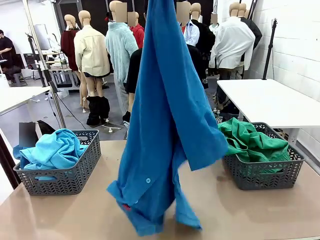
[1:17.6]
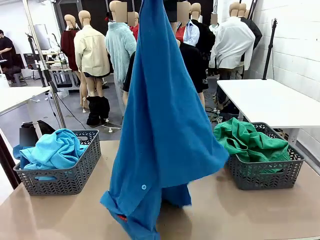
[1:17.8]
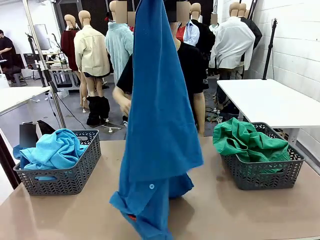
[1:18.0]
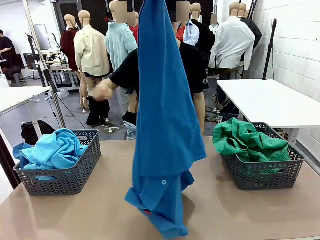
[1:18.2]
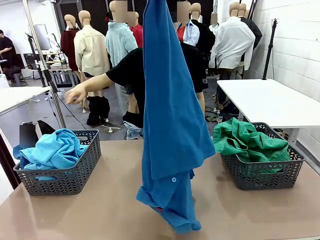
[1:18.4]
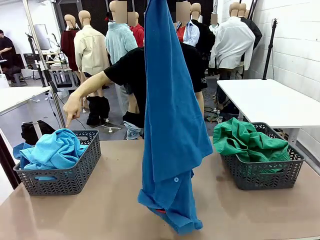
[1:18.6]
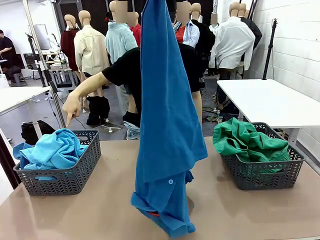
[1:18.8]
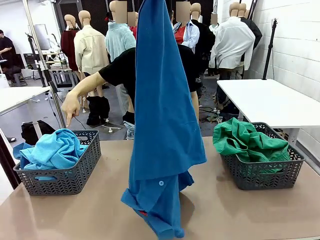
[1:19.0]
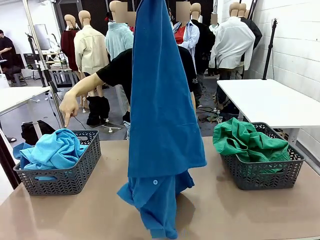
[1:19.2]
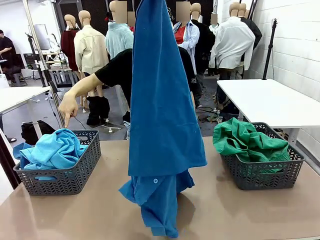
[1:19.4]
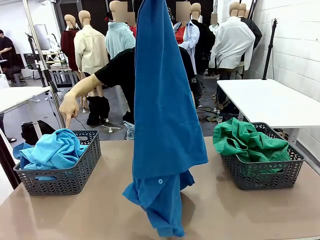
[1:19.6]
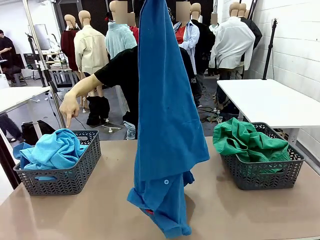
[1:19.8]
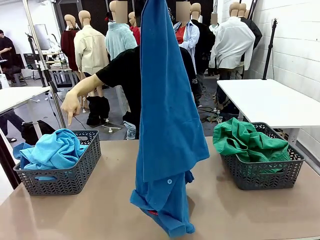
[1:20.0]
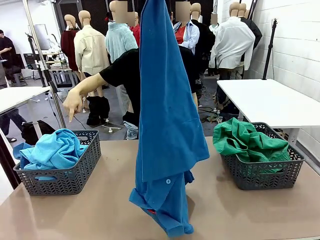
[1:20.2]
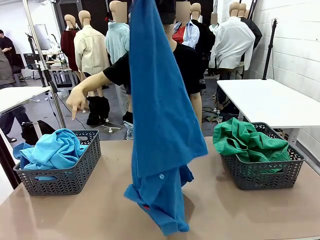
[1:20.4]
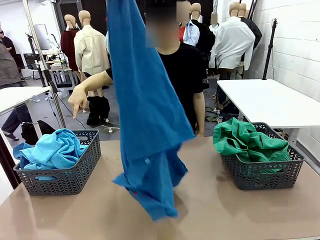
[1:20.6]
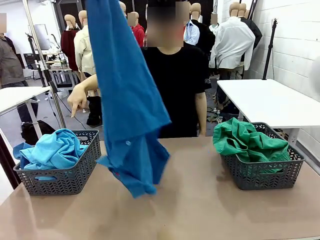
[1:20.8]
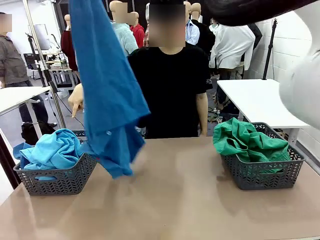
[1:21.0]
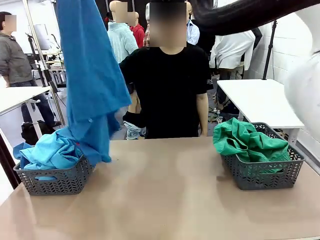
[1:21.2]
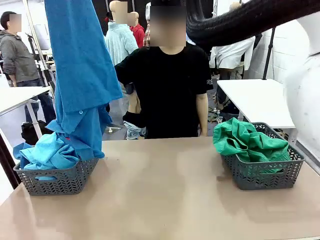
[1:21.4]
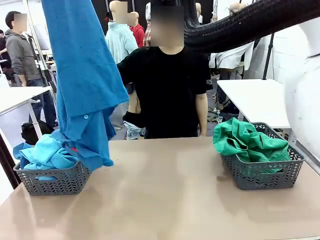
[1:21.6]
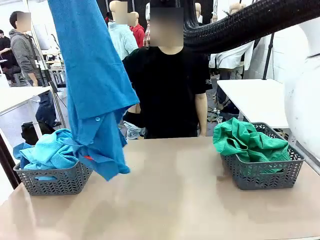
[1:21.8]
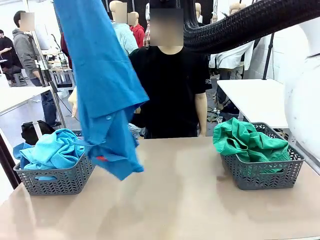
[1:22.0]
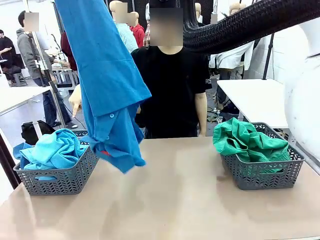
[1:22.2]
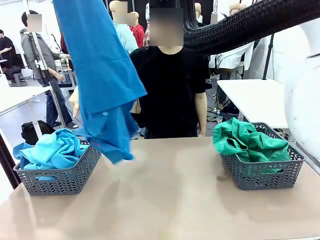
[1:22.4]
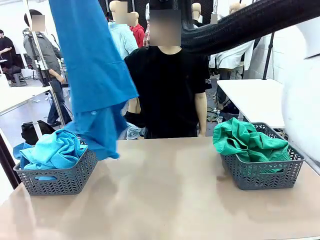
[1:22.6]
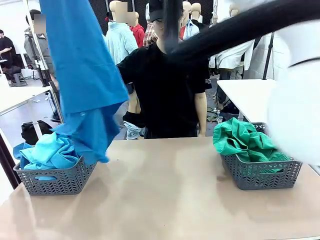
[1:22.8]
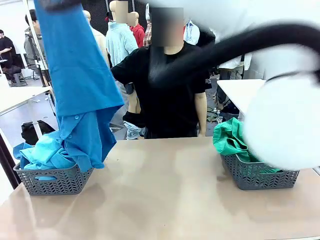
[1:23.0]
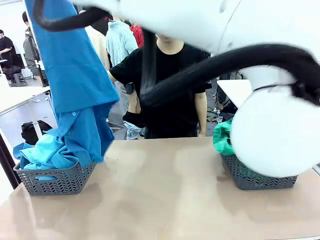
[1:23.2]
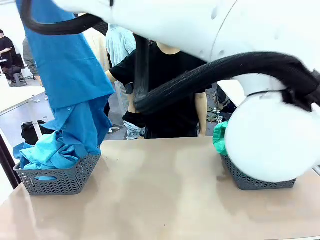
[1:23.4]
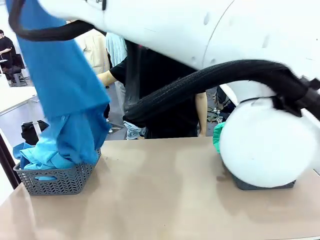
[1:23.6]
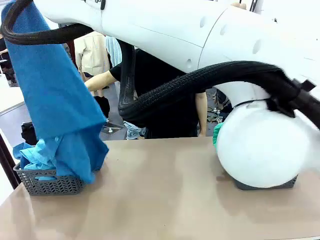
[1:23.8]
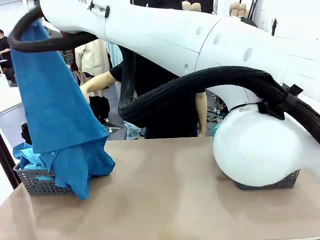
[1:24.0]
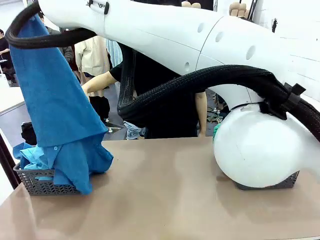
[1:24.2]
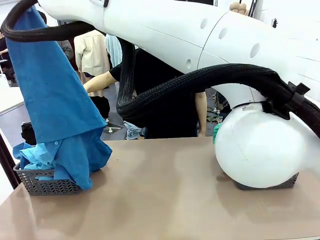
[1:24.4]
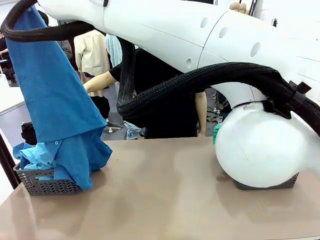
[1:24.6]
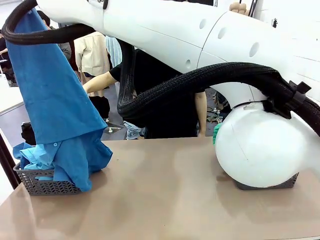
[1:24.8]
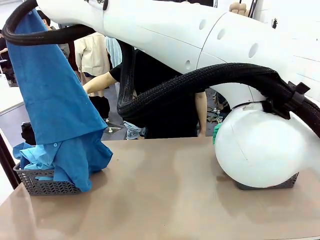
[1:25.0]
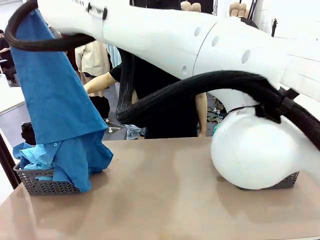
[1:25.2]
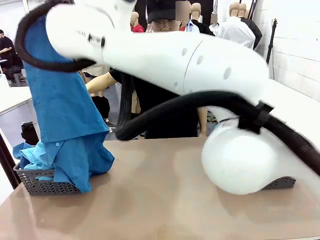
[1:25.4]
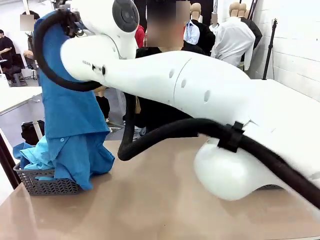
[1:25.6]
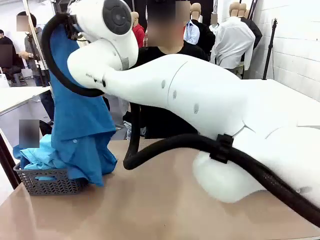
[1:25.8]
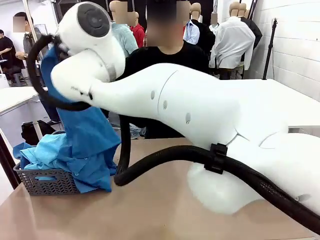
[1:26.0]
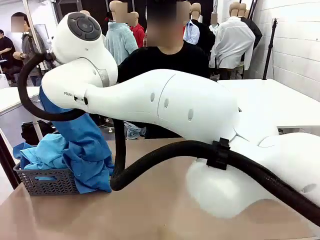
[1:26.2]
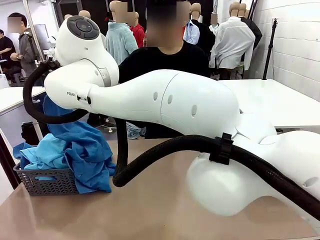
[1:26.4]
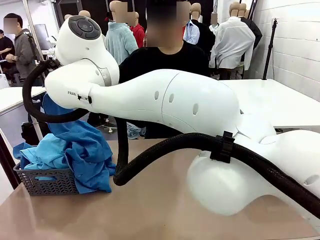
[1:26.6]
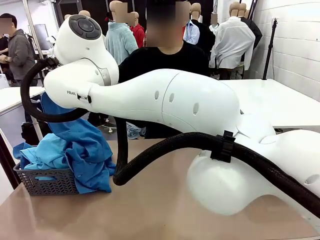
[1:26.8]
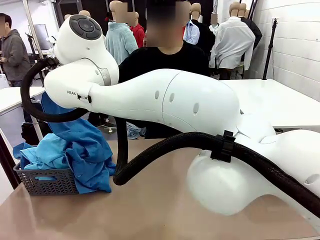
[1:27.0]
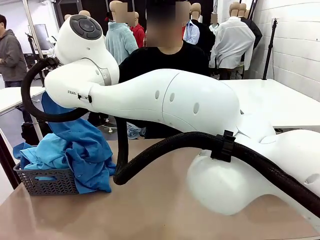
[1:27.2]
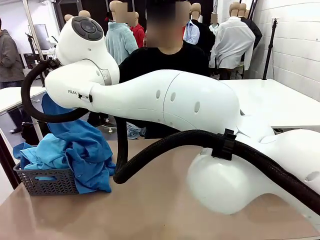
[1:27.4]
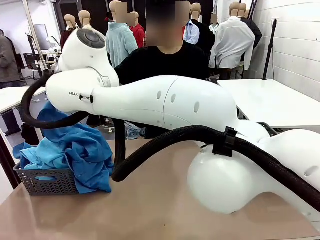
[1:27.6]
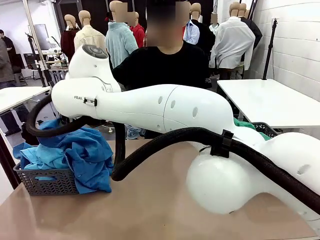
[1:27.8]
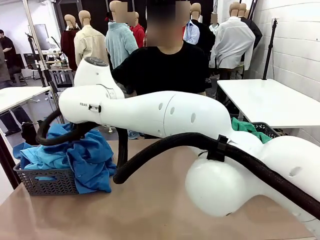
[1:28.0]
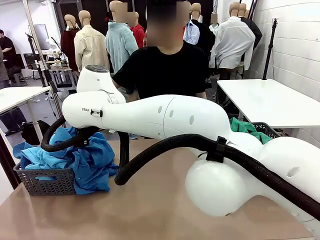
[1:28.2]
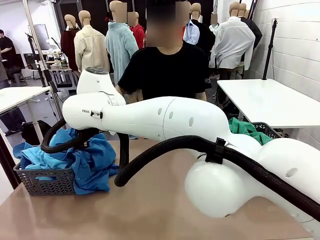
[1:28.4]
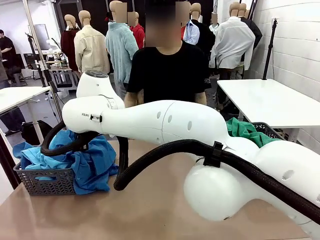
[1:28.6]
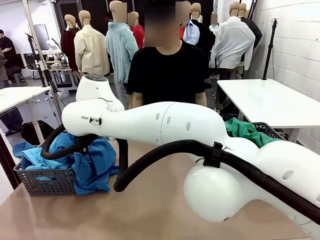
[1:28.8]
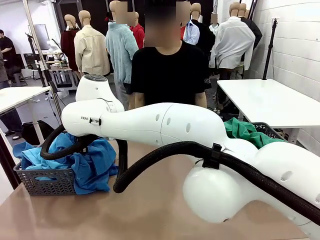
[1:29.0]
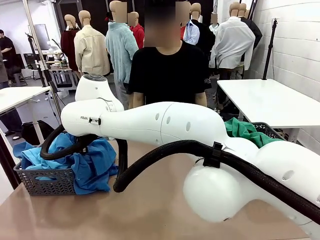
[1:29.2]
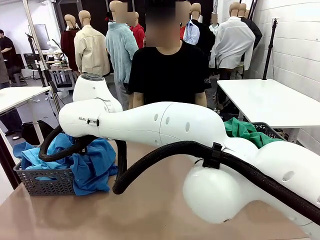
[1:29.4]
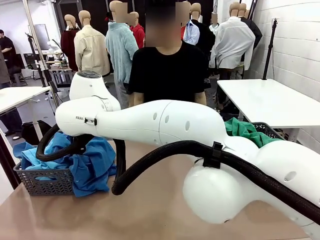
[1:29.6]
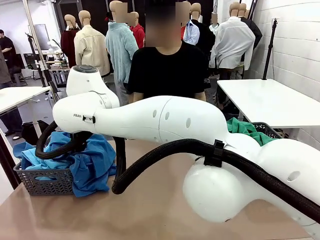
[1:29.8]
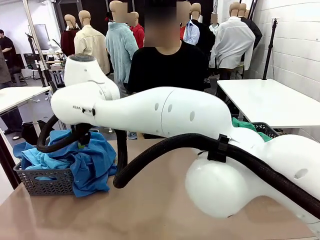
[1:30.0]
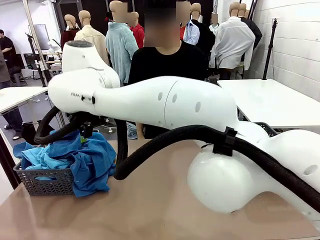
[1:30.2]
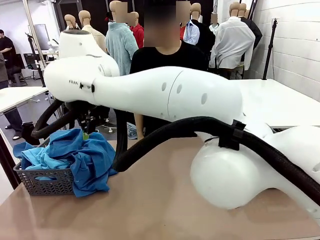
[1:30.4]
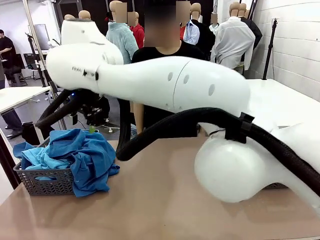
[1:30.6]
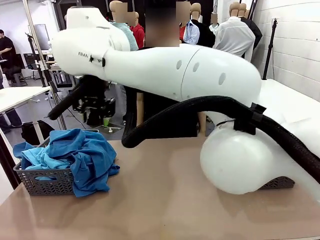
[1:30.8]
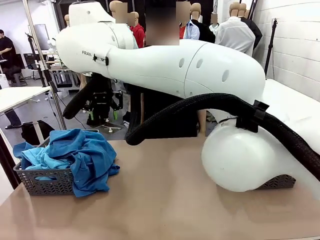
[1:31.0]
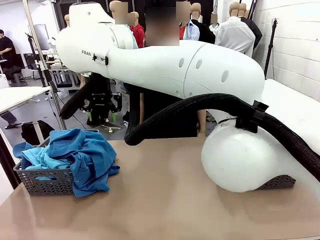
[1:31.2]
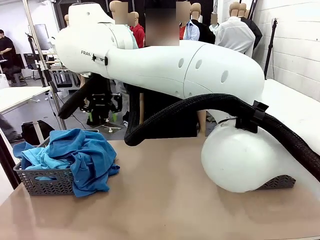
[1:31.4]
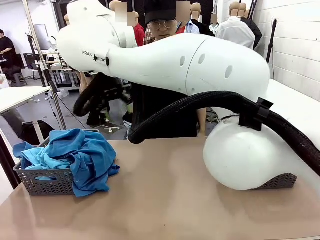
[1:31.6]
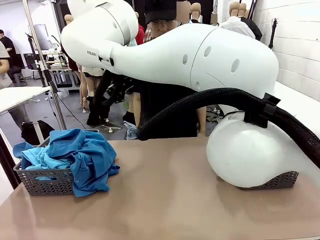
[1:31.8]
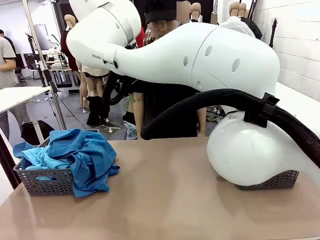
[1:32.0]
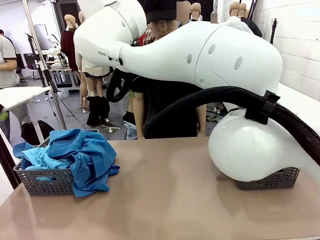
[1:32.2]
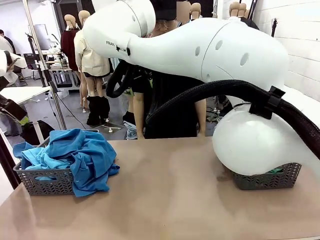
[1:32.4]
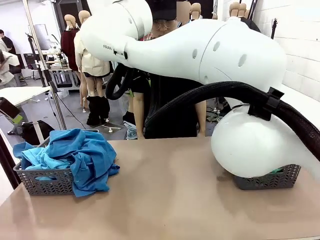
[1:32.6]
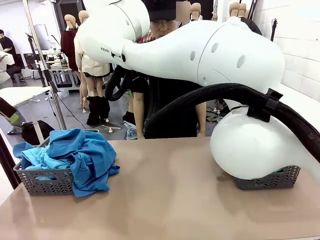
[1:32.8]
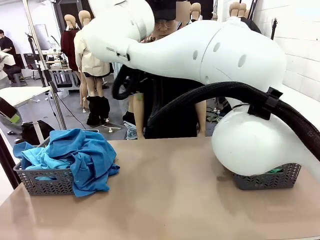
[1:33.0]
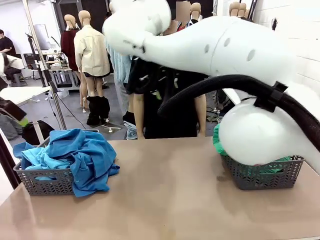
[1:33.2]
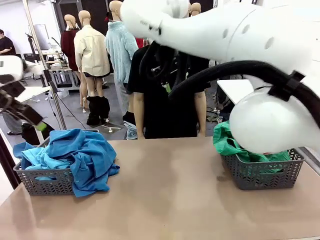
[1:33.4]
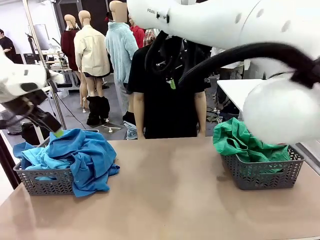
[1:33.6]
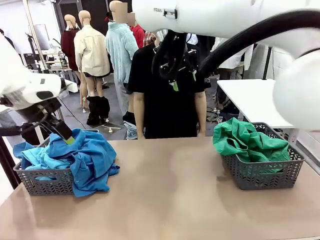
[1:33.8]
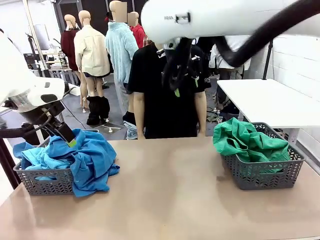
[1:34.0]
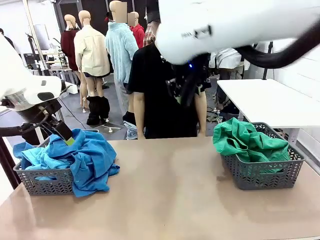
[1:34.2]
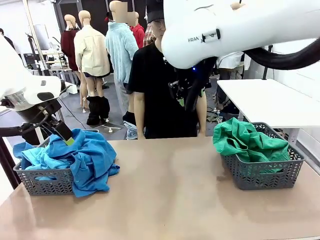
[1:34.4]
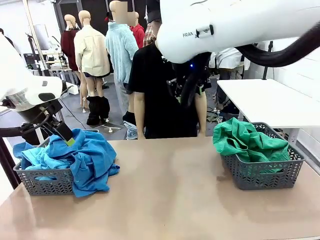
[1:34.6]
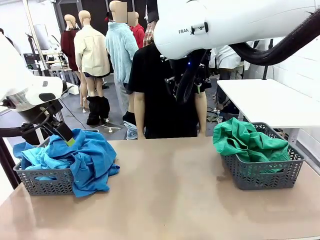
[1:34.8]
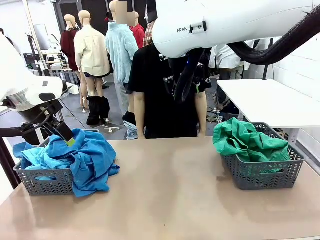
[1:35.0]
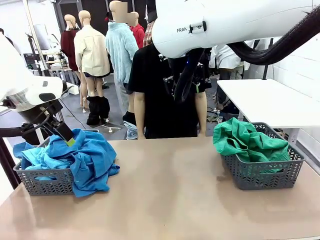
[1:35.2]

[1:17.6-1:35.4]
Task: Sort the tops and bottoms.
Robot: Sort the clothes according to human instructions.
